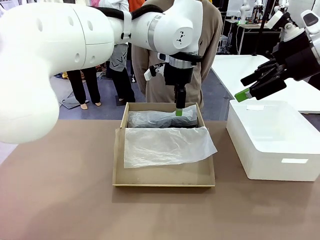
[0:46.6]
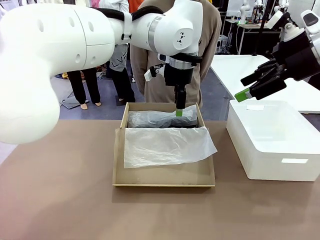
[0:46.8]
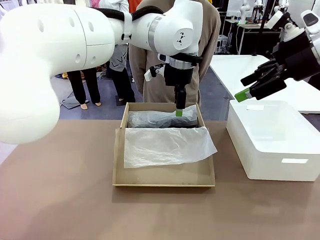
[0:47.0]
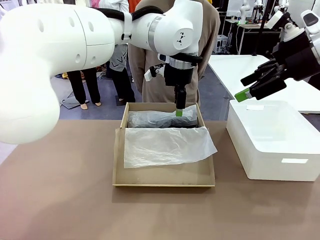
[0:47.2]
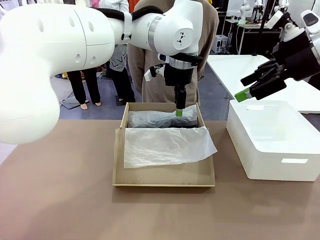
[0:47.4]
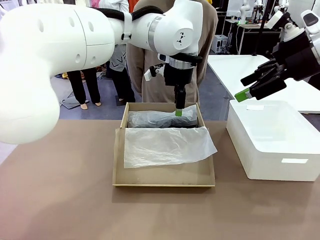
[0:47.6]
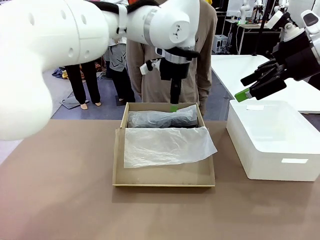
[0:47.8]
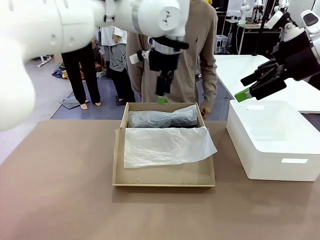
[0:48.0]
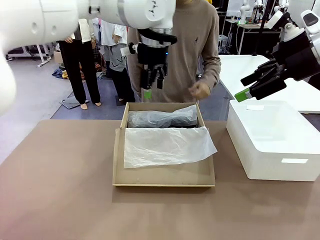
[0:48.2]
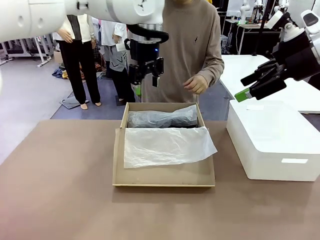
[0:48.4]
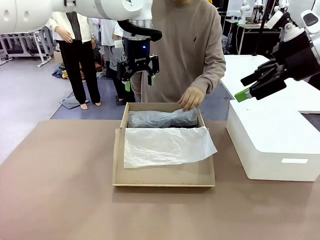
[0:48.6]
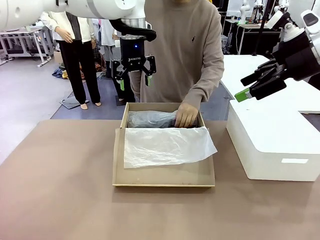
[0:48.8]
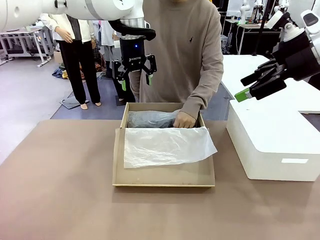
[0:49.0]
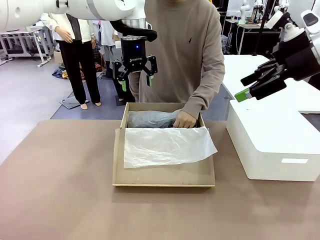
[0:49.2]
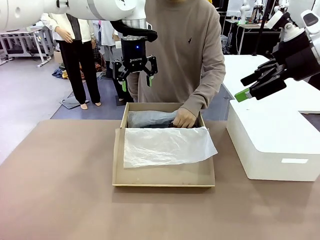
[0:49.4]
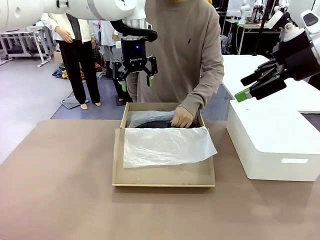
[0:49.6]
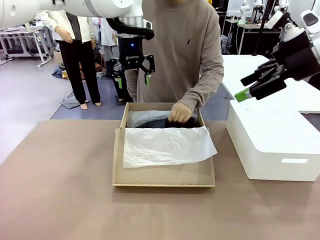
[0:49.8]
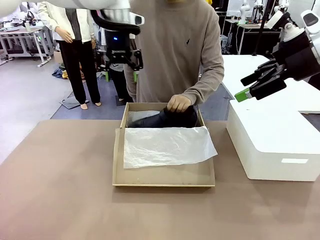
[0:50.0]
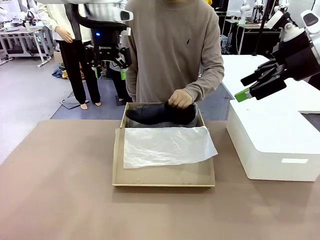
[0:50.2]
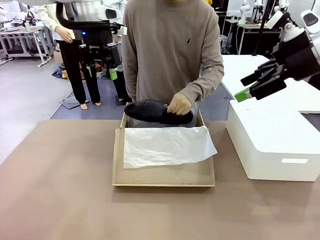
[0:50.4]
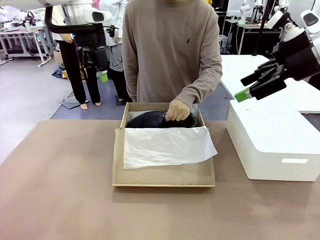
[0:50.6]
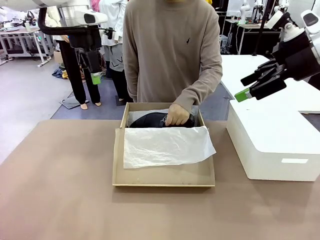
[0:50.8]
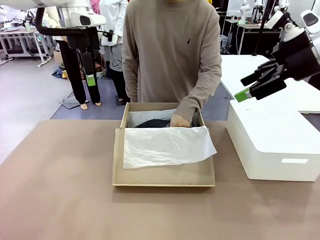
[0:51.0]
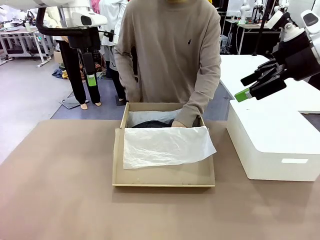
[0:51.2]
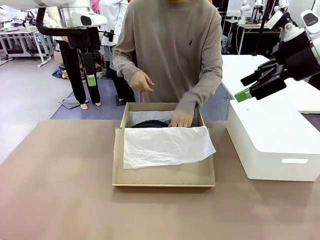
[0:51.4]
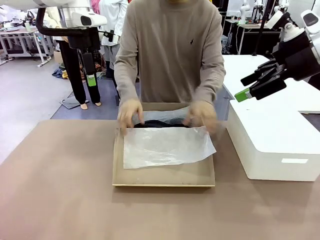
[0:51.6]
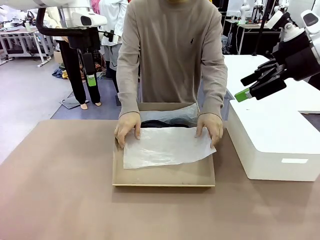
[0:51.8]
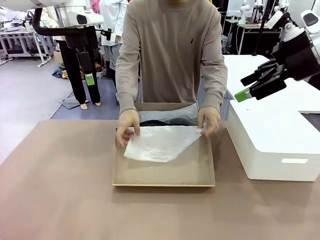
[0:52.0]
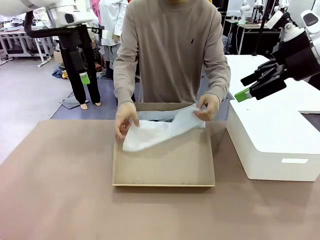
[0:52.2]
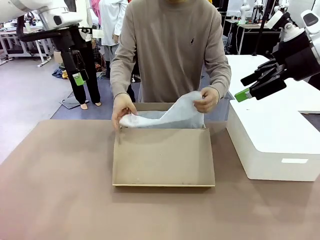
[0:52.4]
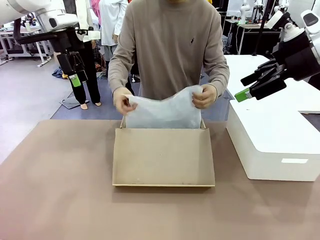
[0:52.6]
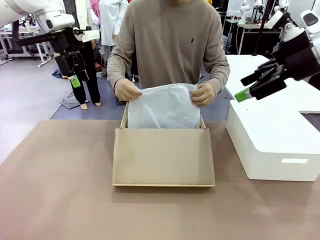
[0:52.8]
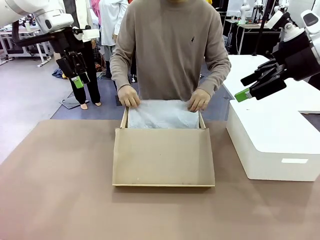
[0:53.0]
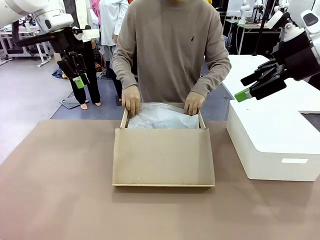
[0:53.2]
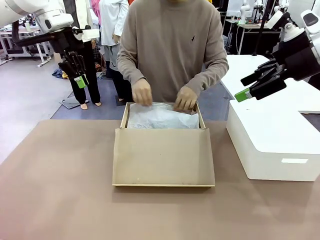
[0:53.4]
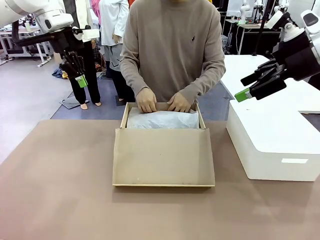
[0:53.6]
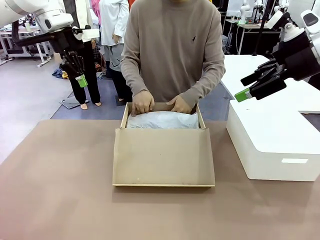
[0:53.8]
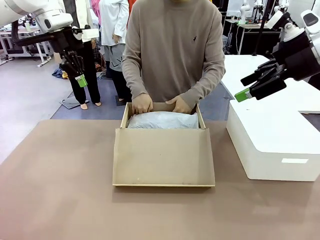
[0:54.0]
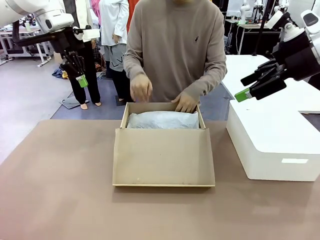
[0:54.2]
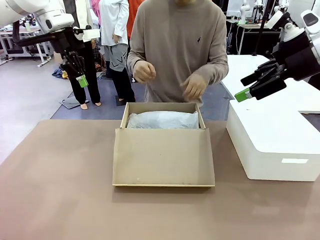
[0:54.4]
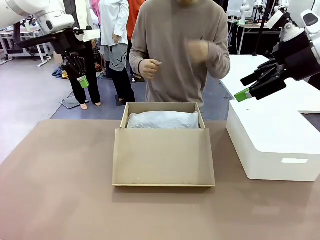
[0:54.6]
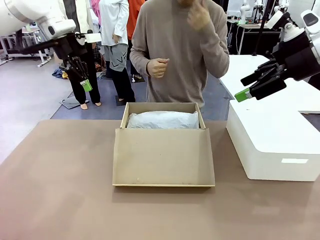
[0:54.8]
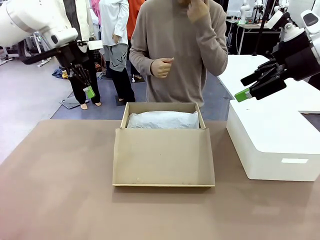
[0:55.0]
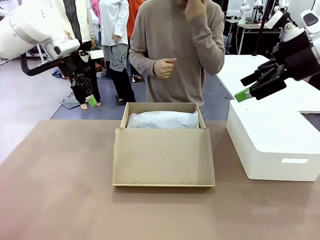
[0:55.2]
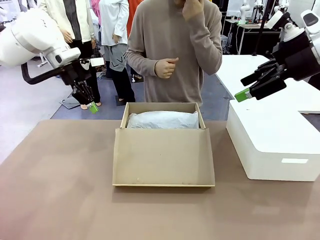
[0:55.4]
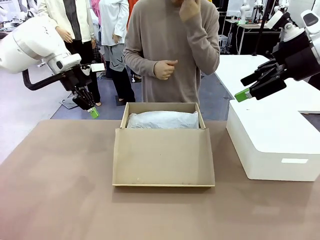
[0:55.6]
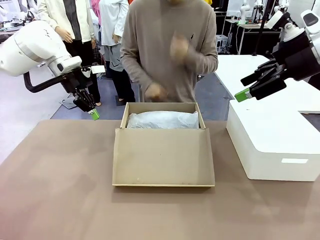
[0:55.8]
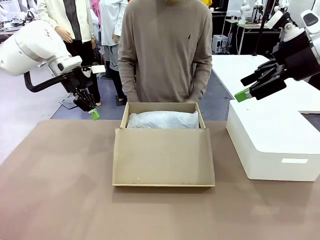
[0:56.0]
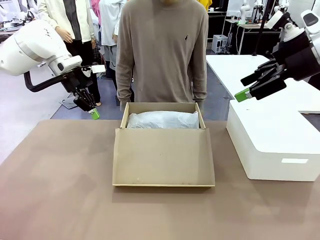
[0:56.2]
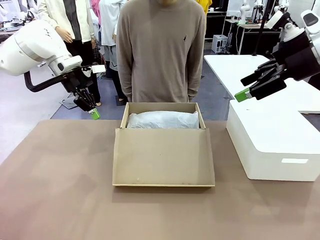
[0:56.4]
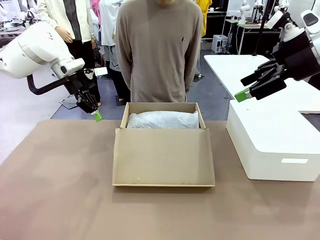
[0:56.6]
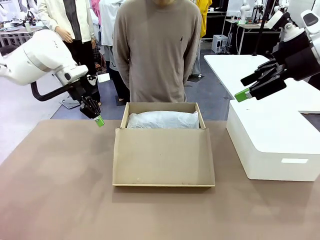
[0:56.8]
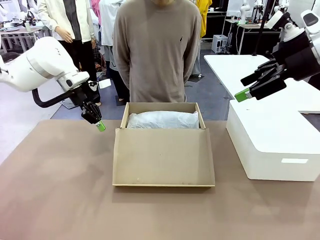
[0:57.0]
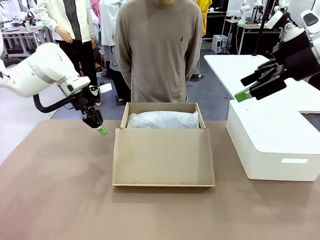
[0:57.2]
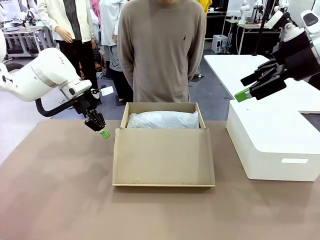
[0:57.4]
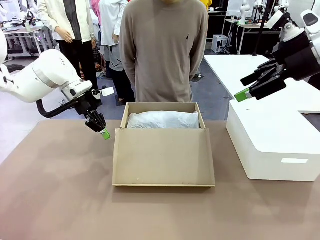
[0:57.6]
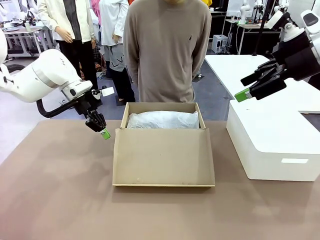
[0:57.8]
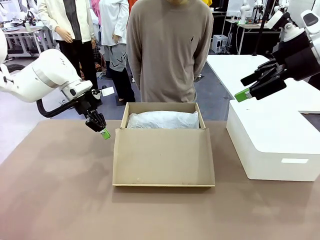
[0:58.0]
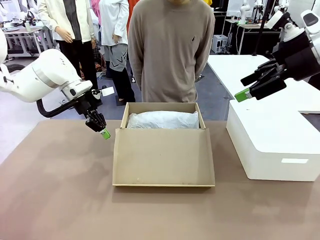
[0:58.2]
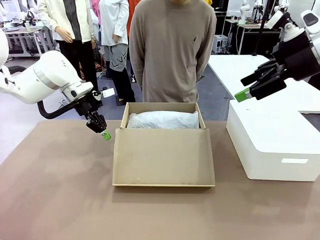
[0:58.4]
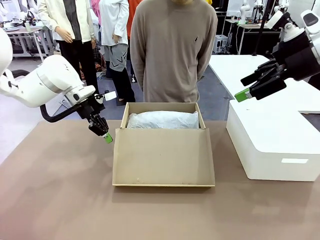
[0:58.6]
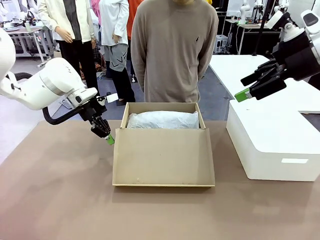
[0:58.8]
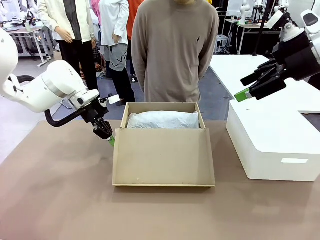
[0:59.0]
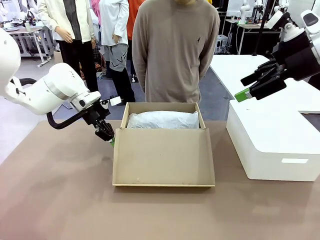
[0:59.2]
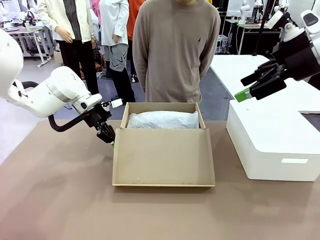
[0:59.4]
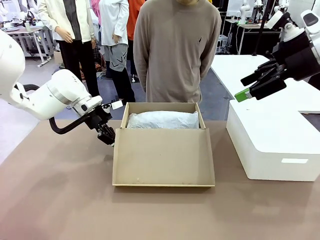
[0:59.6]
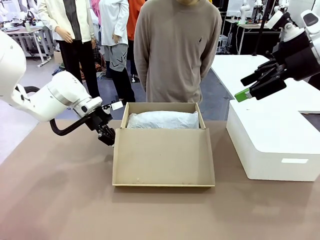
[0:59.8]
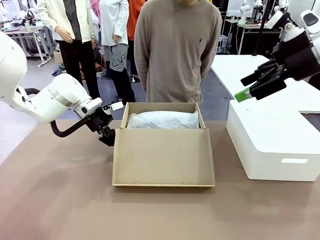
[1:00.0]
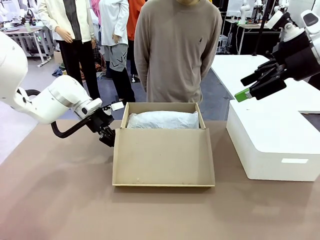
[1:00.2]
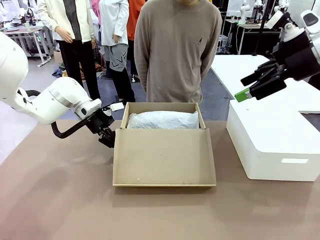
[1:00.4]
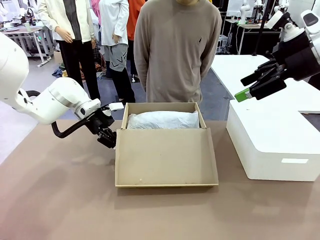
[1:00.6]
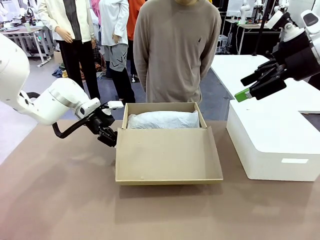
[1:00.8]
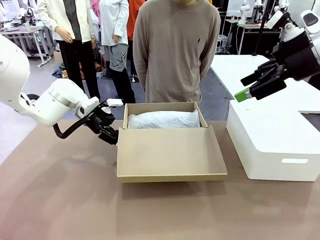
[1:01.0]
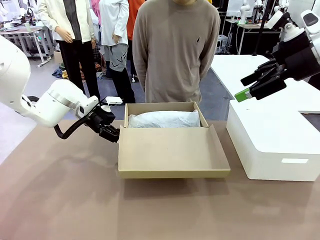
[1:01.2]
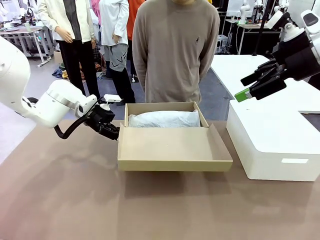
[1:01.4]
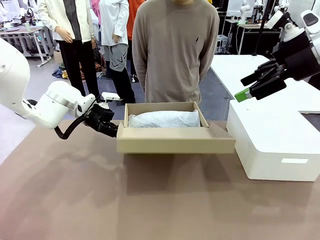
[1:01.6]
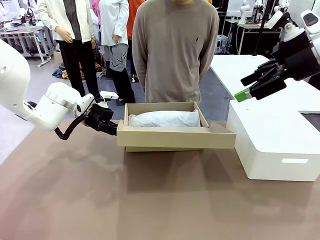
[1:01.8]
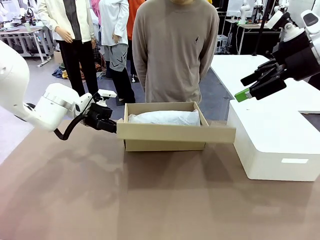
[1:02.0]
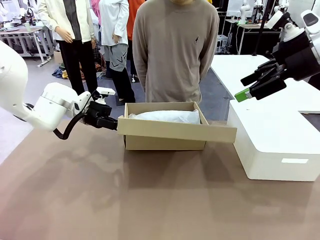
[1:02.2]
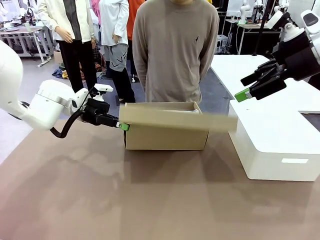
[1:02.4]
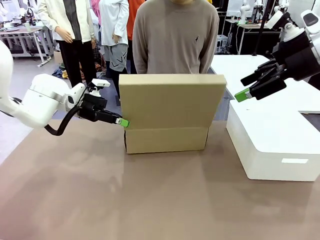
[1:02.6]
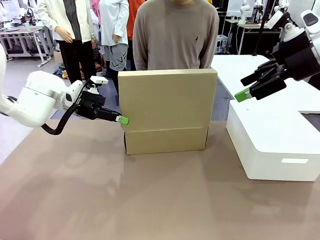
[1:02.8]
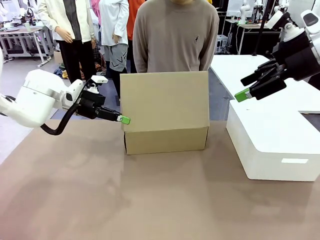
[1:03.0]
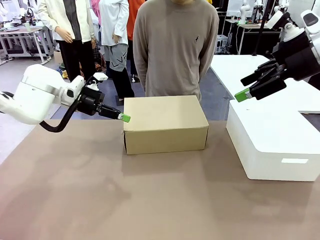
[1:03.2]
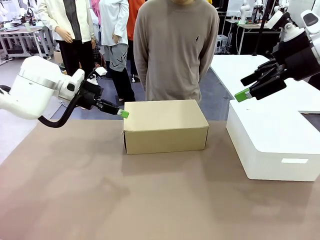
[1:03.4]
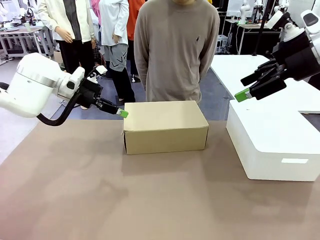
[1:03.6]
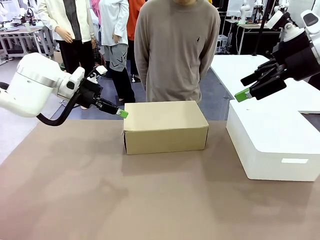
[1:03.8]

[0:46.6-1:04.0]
Task: Pack the shoes into the box.
Robot: Close the Shoes Box.
